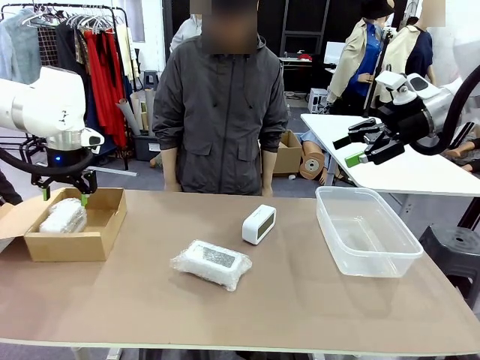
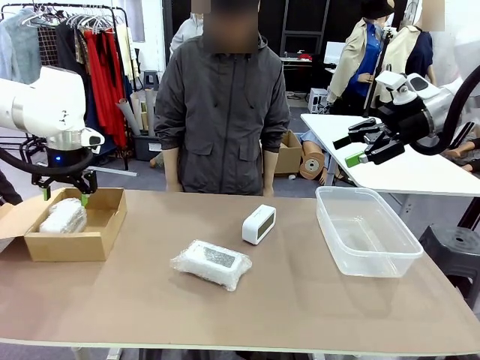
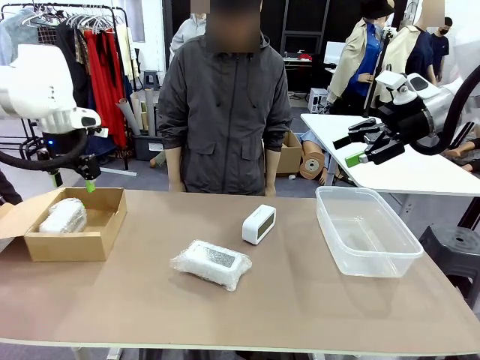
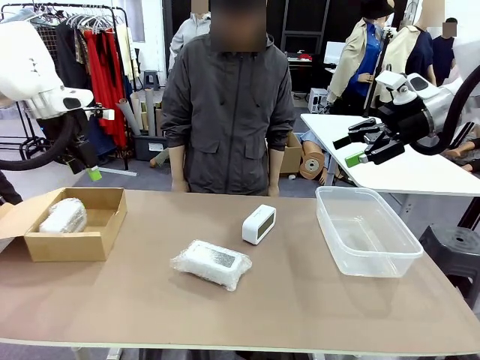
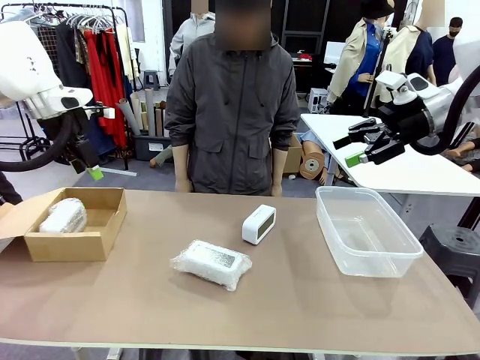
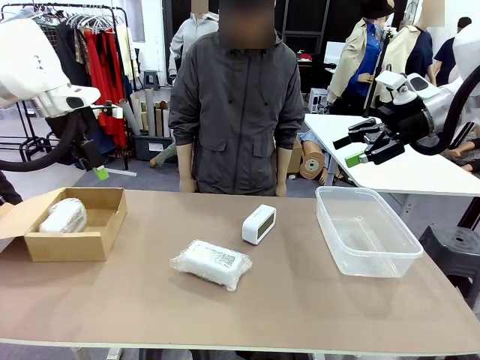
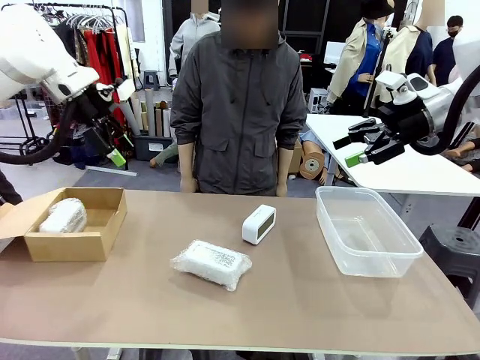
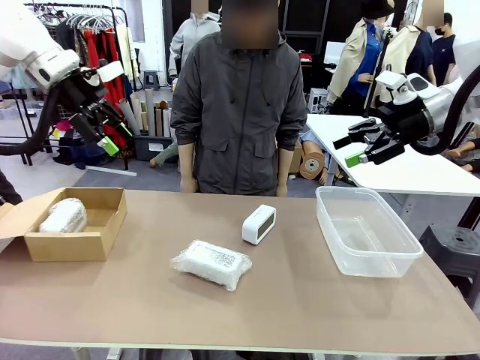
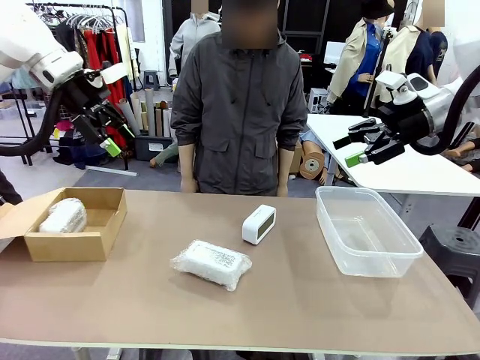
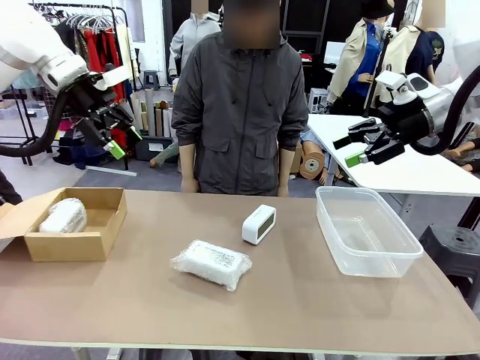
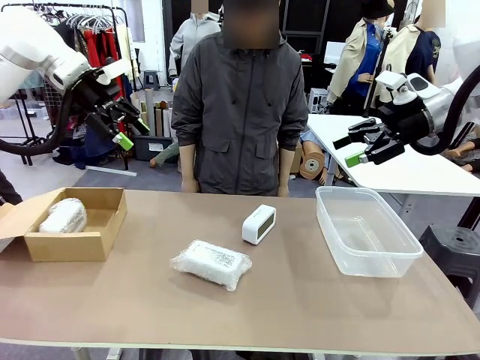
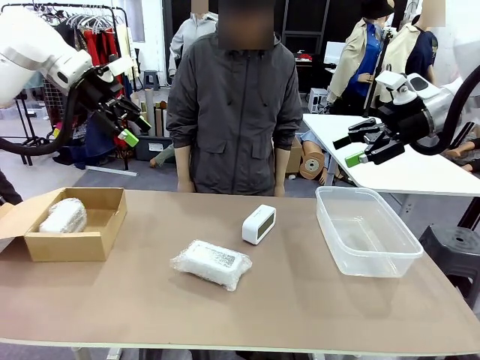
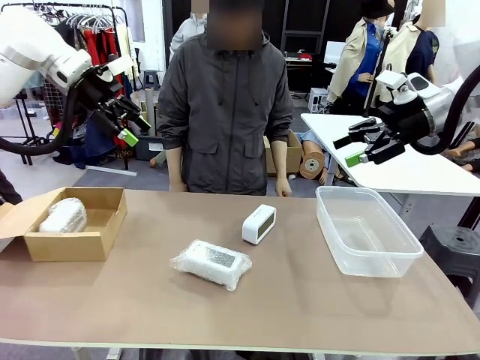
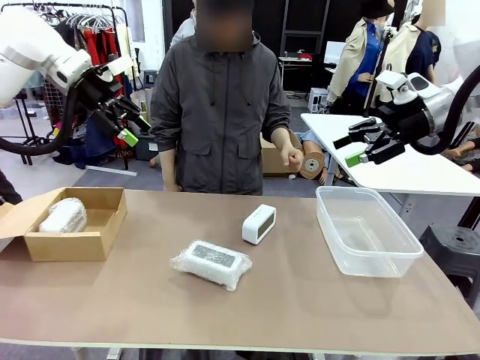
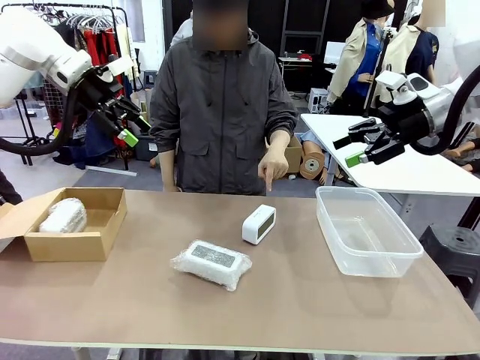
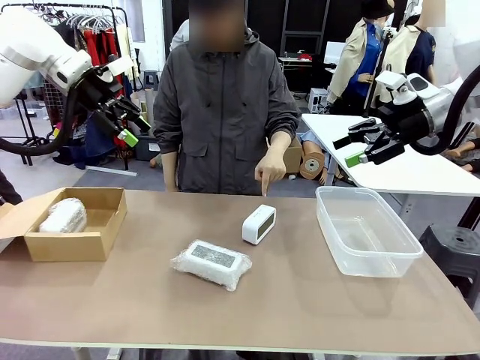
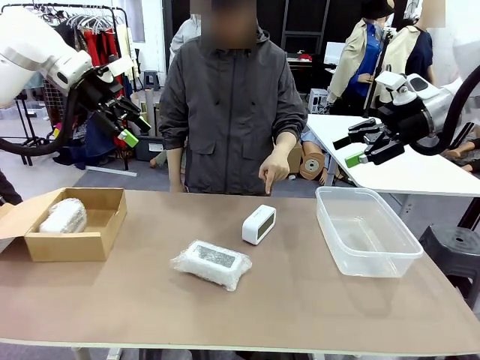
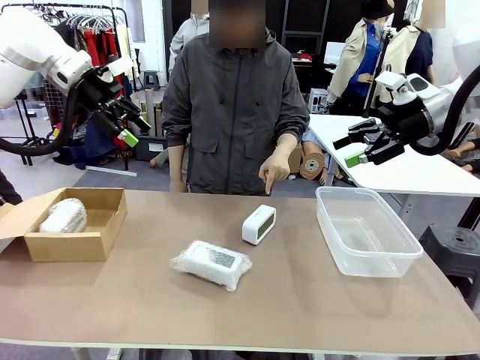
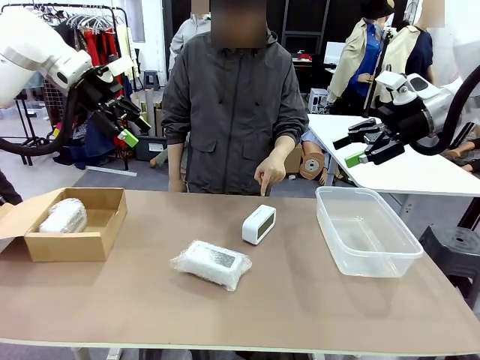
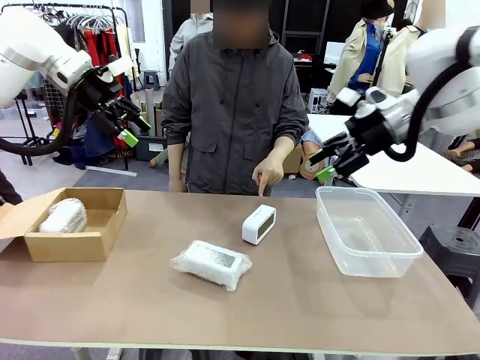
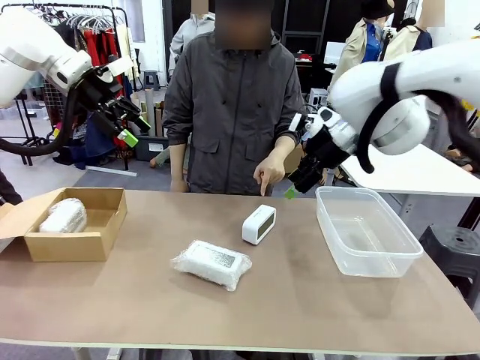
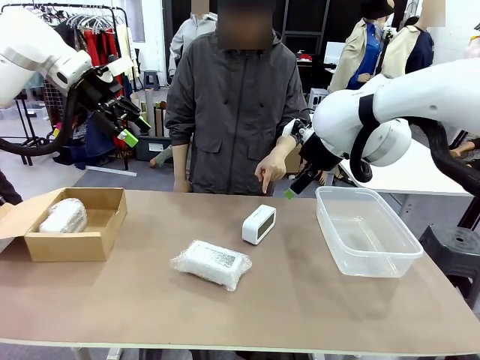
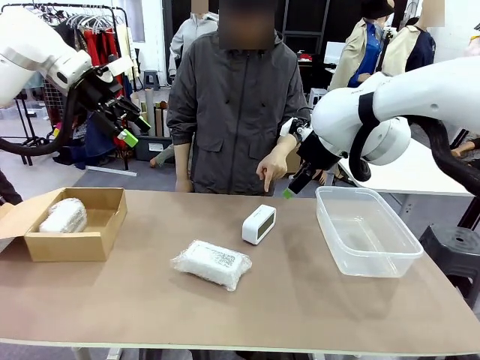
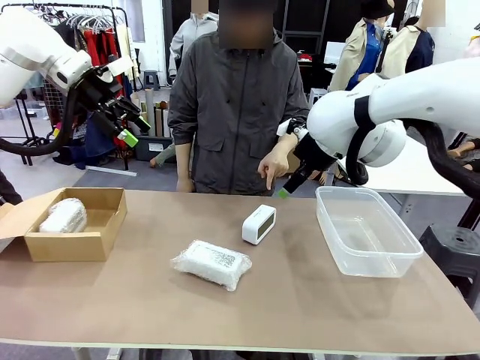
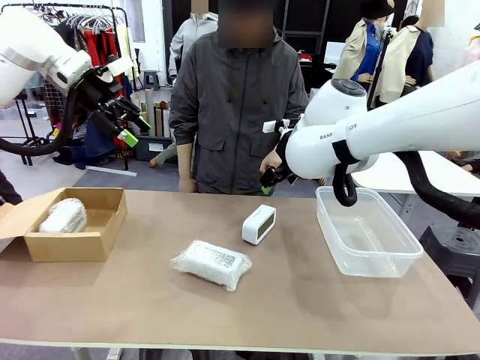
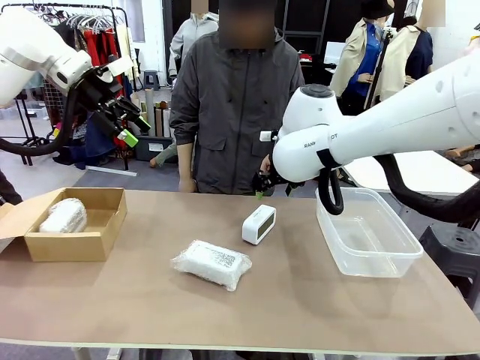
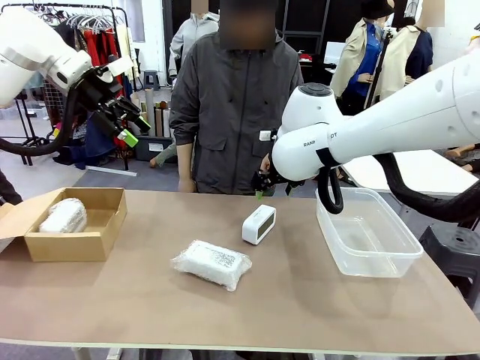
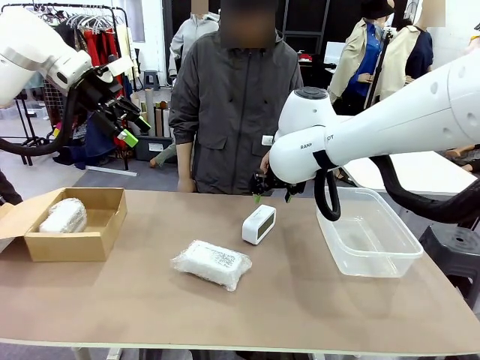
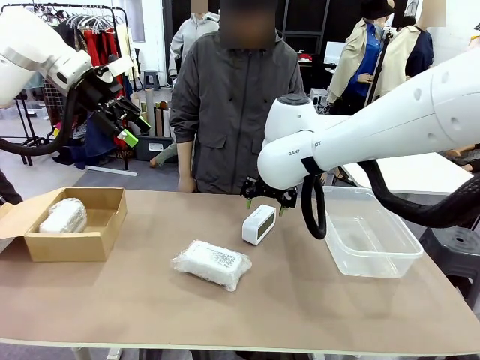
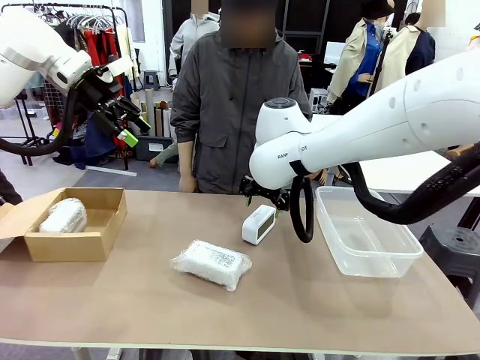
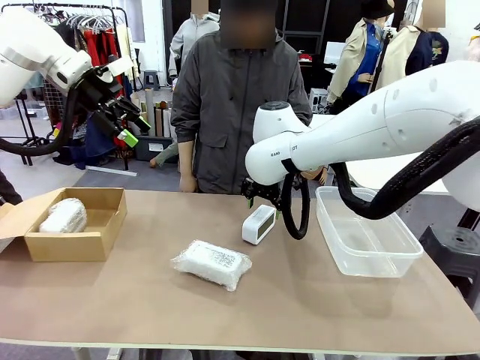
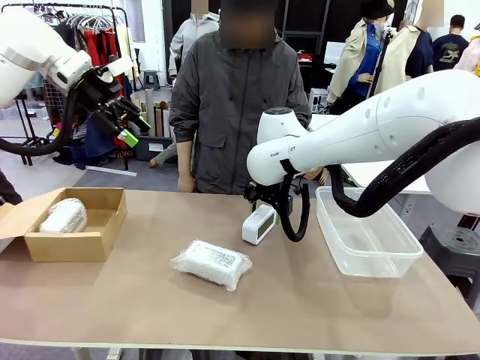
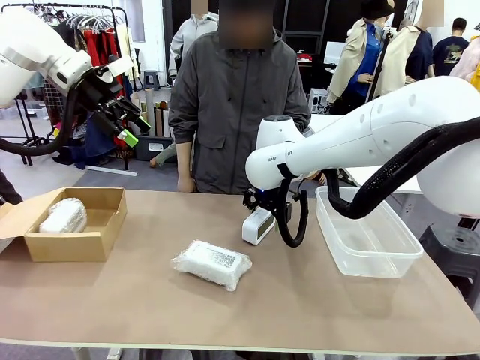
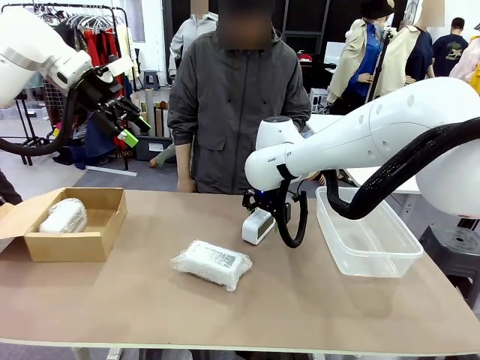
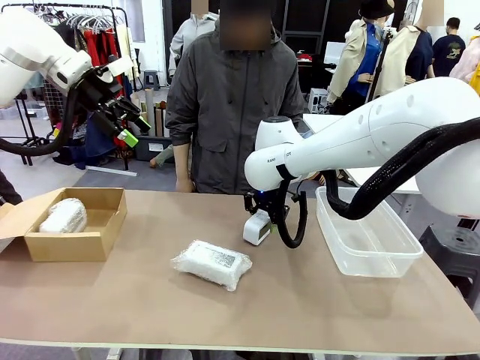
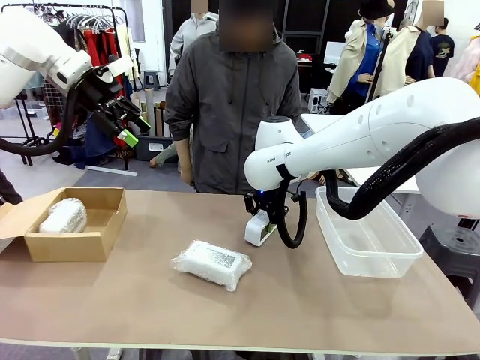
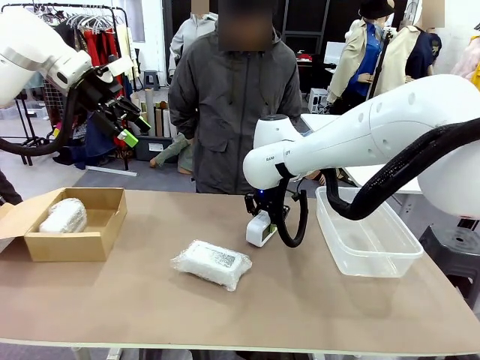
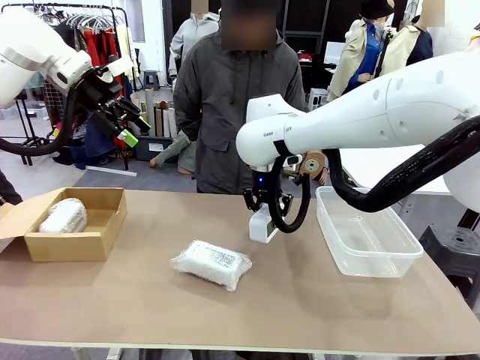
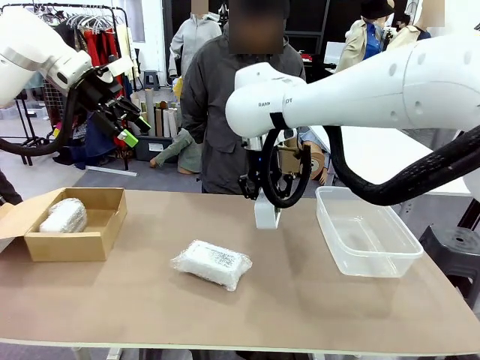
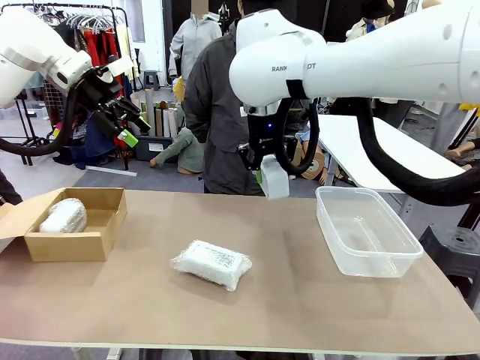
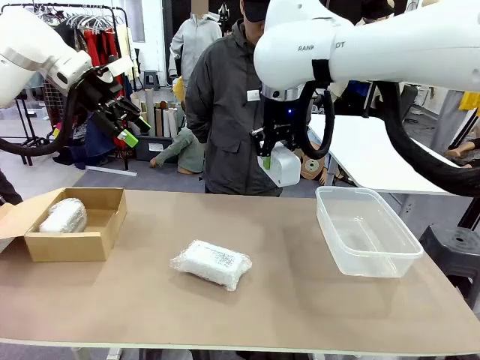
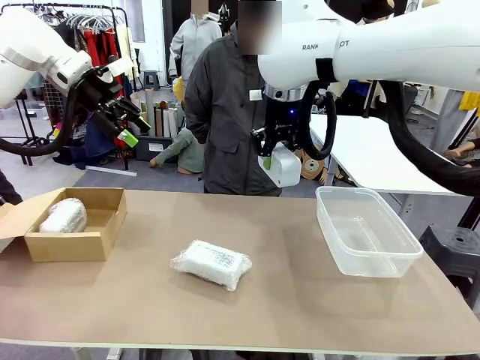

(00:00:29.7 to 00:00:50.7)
Task: Separate and place wrapped and unwrapped clocks.
Robot: Pick up the Digital clock indicated by the person.
